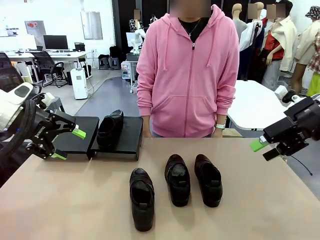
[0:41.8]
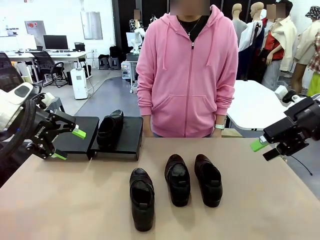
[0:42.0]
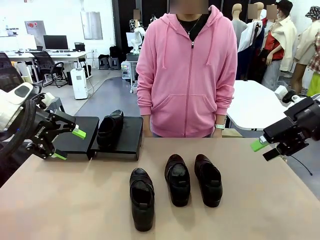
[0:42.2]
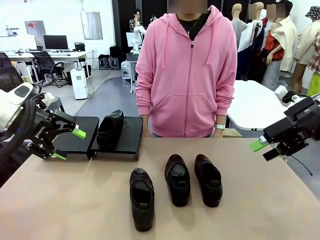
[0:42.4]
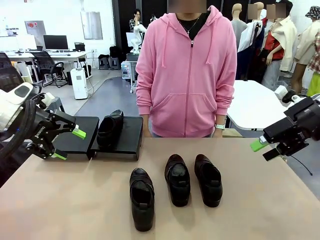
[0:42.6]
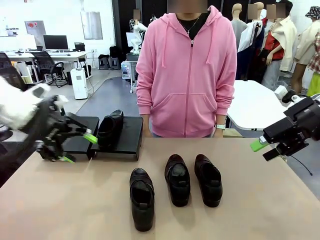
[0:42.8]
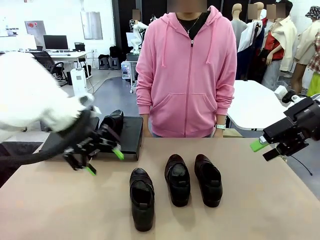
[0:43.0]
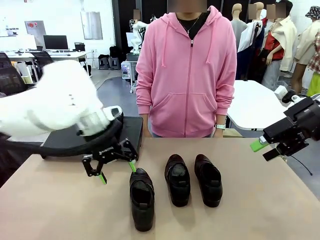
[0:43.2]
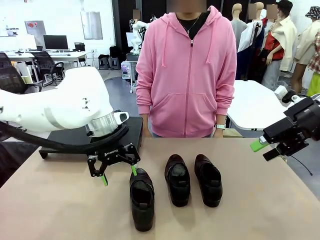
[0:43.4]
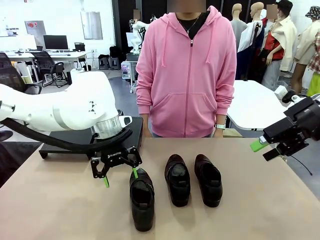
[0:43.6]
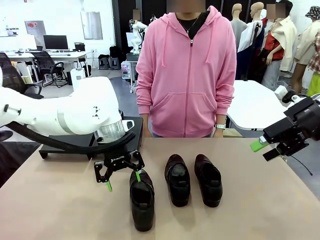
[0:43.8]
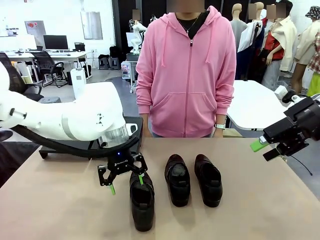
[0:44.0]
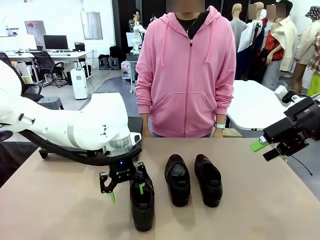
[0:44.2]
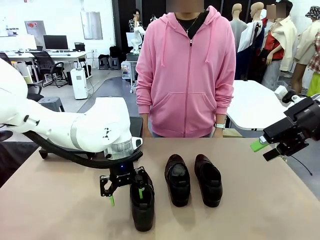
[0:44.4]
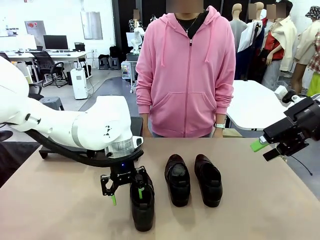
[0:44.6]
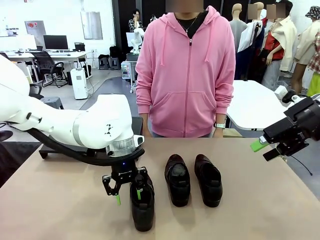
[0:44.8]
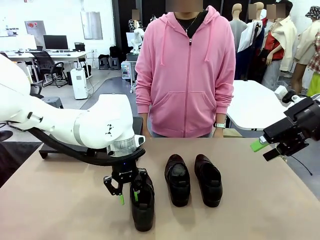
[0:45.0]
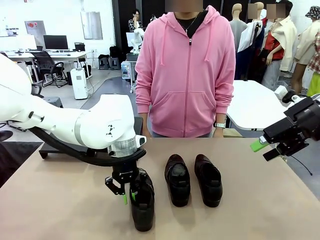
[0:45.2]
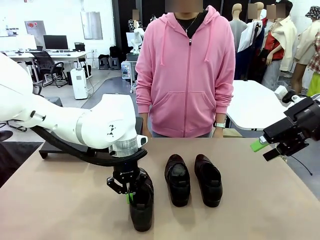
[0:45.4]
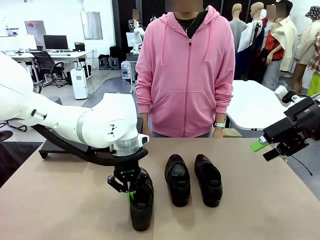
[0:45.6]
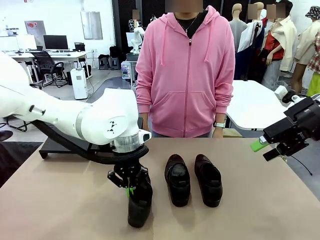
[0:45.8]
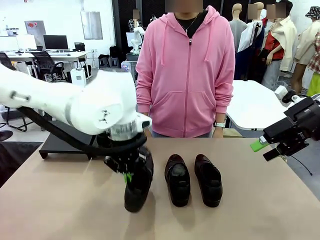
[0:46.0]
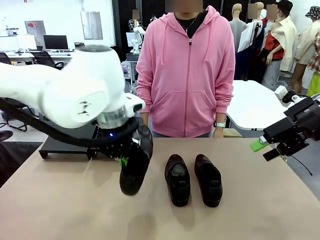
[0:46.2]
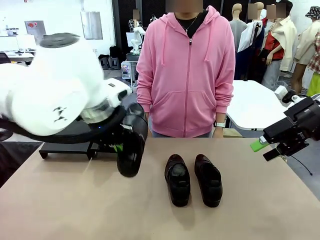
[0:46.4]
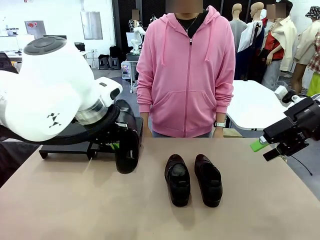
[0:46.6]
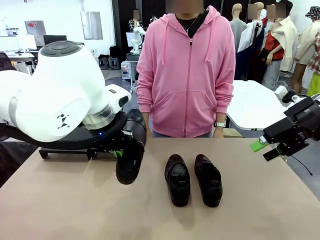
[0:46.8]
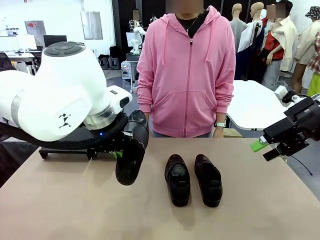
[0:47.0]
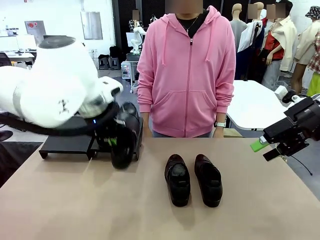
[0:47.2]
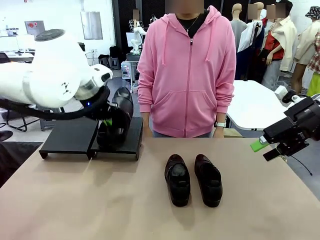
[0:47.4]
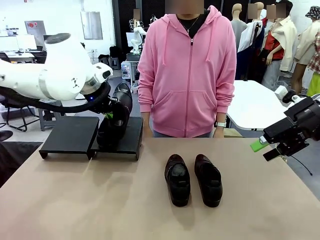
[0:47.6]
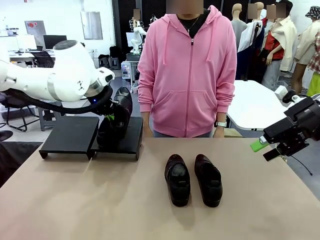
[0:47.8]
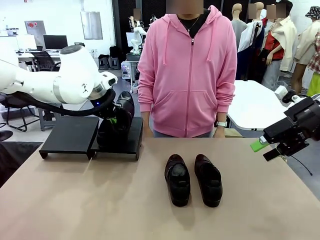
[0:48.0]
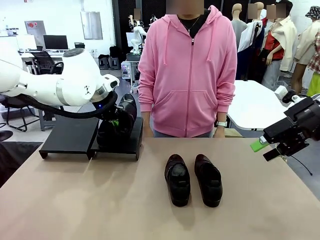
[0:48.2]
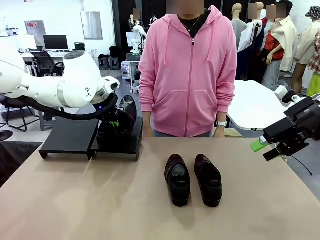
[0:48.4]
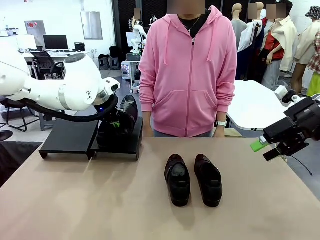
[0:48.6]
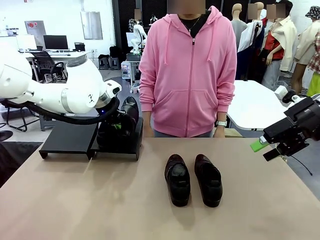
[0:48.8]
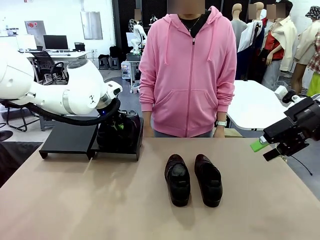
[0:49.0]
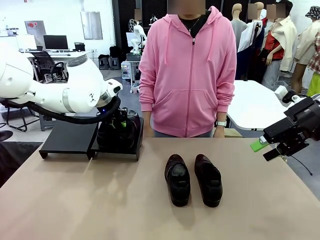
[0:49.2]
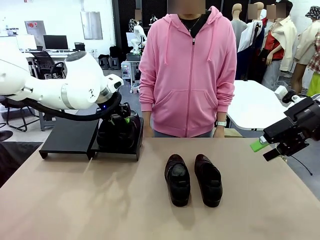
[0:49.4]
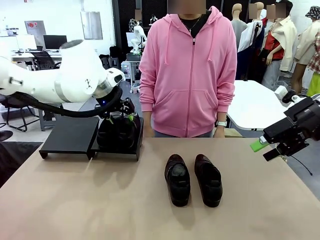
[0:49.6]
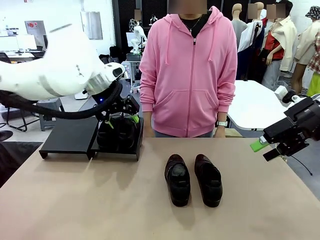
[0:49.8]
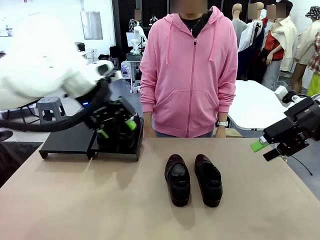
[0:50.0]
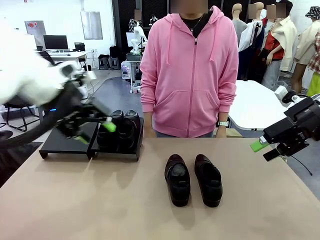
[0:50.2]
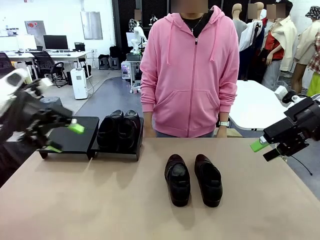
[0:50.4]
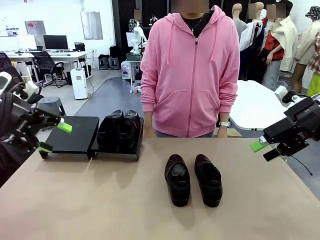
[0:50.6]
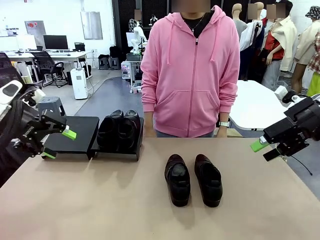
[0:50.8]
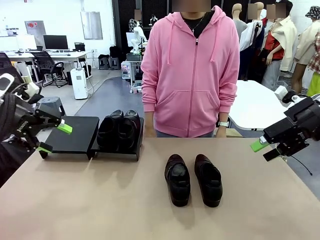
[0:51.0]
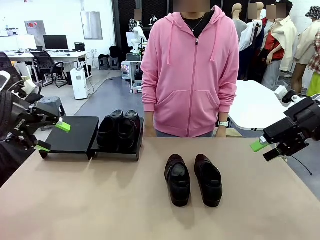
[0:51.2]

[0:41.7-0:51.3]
Task: Organize the shoes by placing them on the stand.
Robot: Place the Shoe from the middle of the table onto the Shoes Stand.

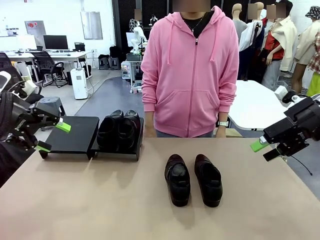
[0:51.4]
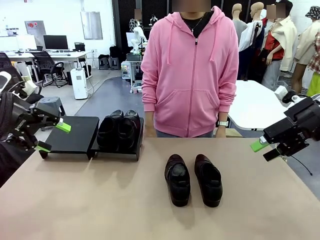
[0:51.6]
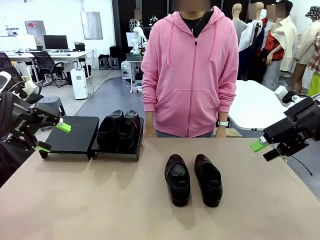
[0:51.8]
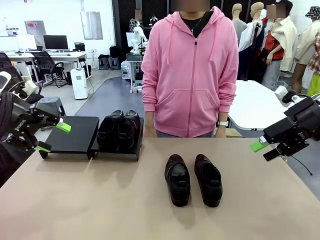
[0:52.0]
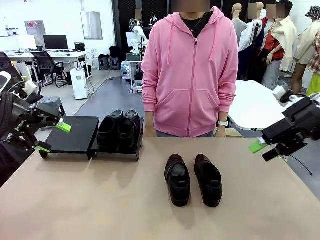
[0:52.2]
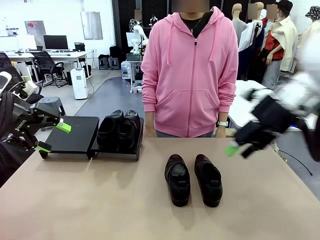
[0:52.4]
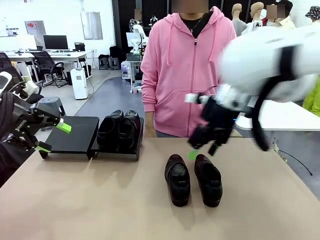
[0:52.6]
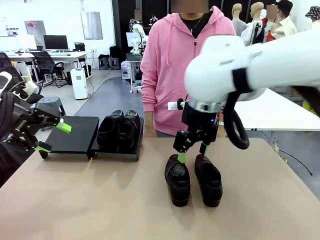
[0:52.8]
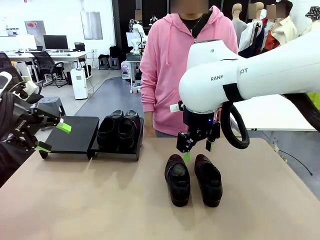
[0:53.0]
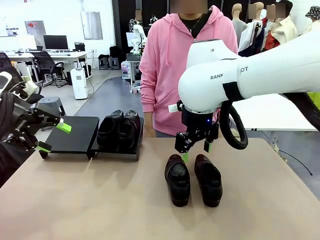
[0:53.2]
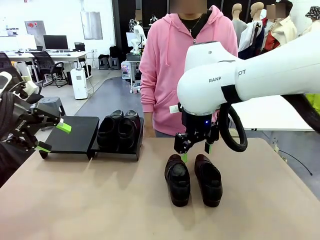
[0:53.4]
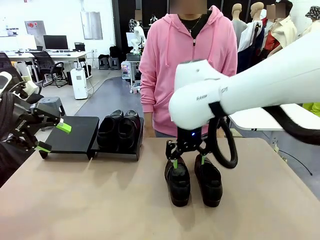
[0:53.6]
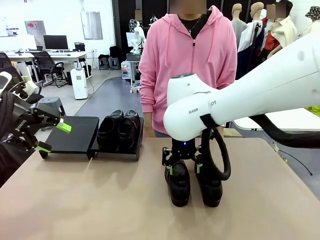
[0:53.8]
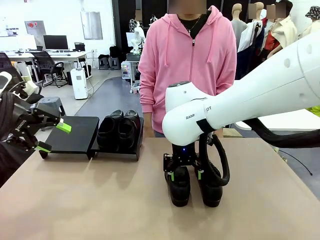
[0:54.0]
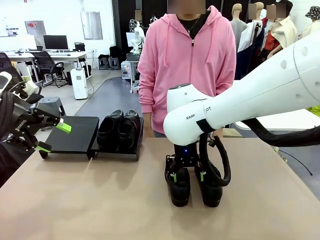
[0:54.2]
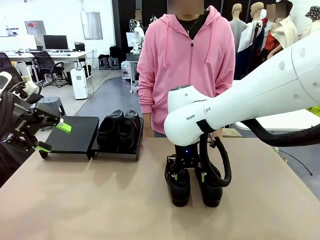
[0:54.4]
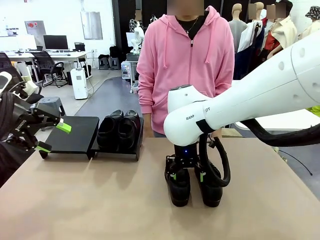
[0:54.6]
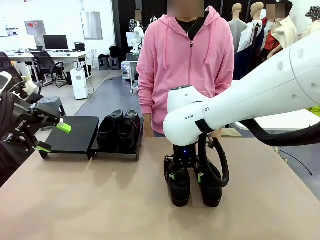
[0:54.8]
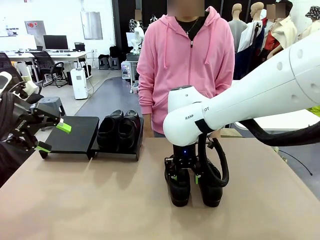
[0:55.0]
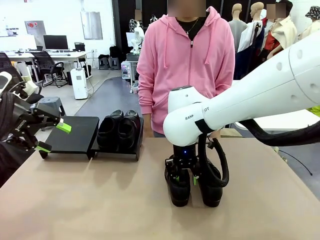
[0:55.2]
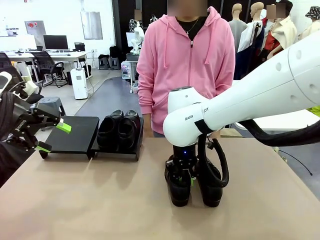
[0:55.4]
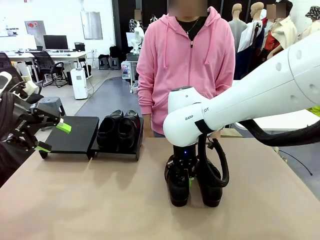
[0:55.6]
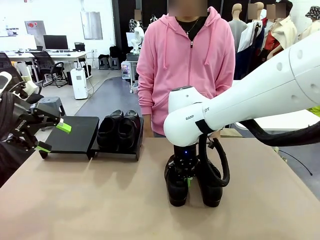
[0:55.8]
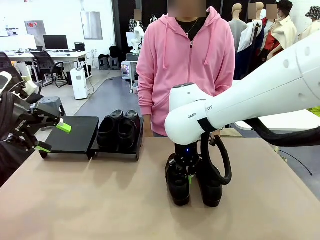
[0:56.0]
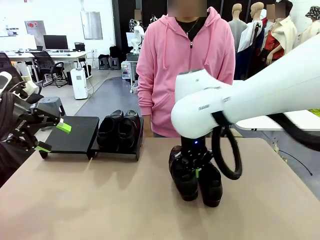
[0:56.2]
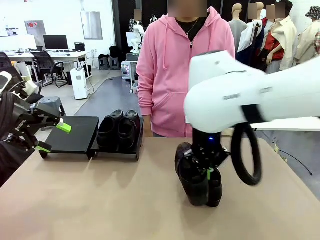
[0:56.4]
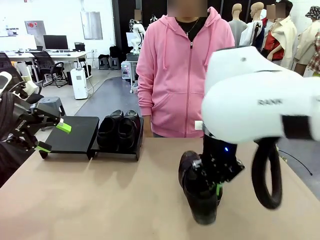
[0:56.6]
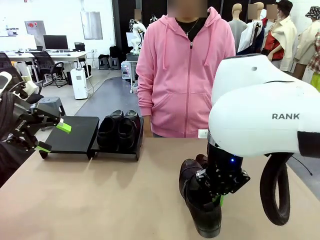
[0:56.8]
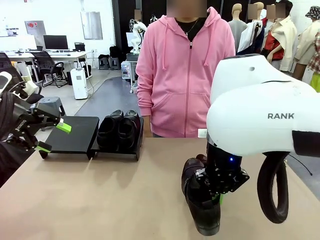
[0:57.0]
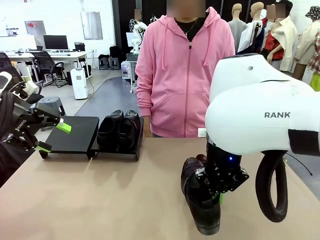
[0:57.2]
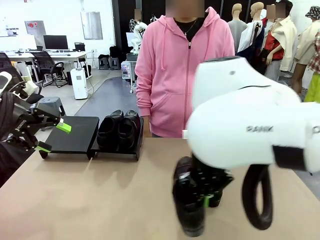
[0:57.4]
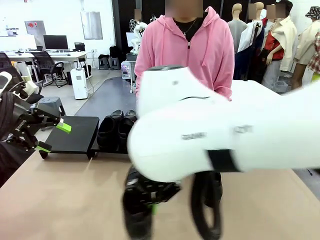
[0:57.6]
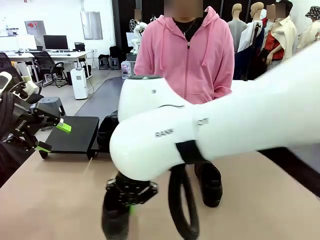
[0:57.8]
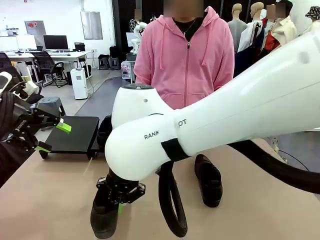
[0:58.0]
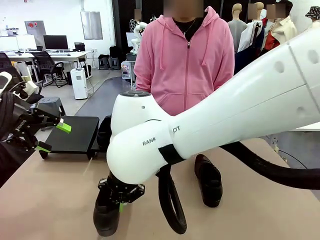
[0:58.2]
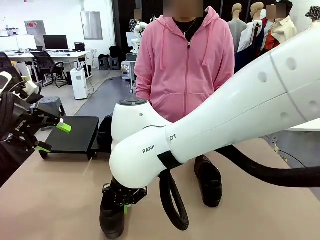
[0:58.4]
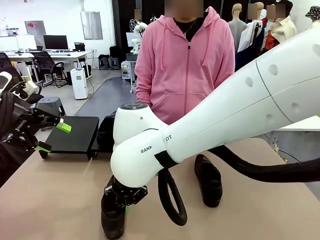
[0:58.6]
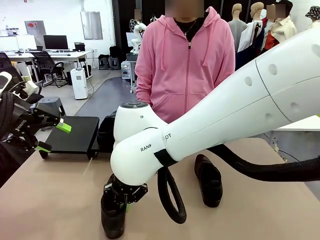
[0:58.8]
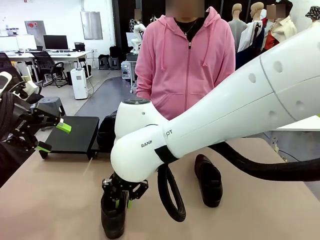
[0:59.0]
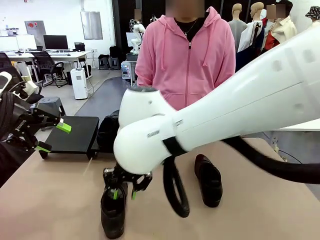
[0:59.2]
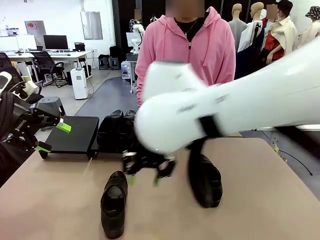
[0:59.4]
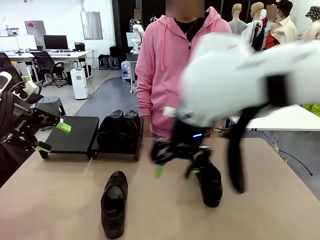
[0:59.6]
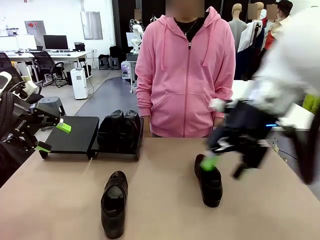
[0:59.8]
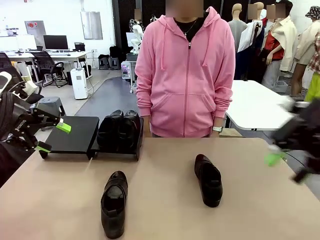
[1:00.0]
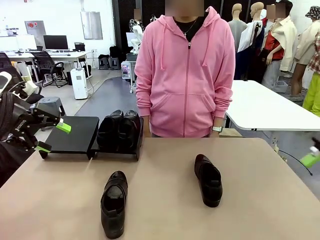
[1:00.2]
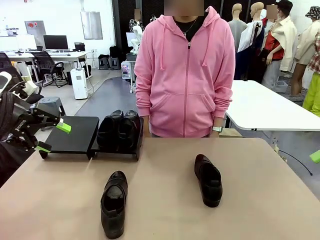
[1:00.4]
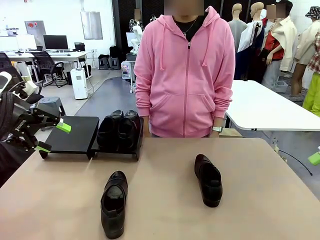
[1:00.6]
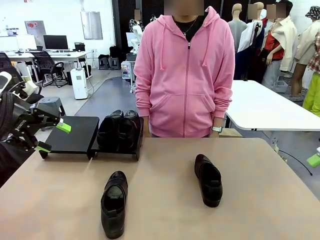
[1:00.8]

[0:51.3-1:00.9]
Robot: Pick up one Shoe and place it in the middle of the table.
